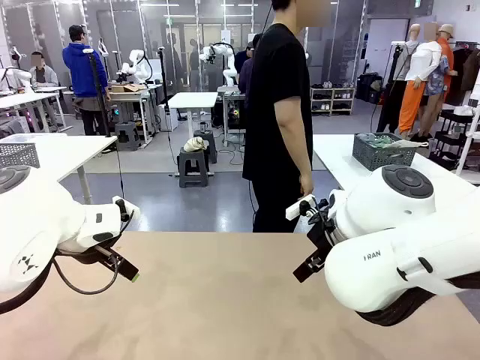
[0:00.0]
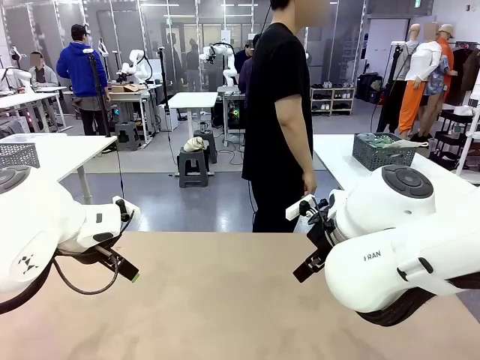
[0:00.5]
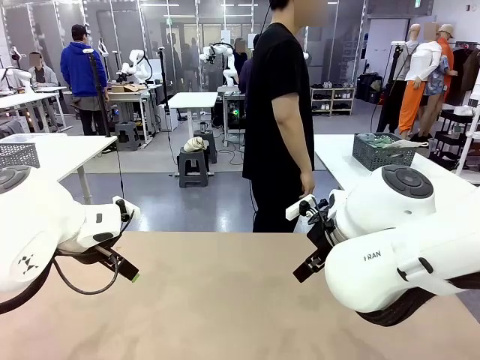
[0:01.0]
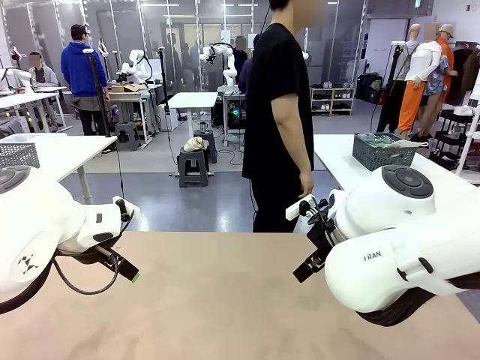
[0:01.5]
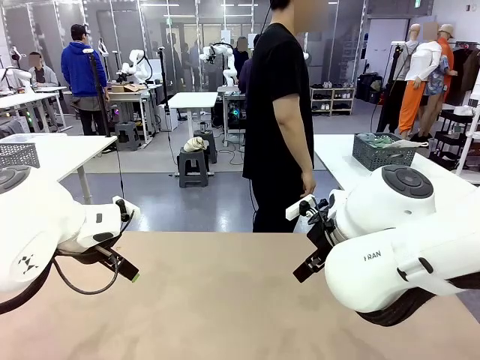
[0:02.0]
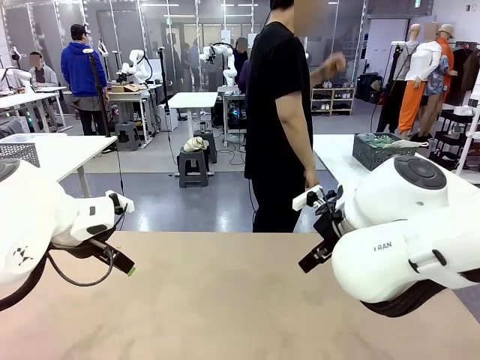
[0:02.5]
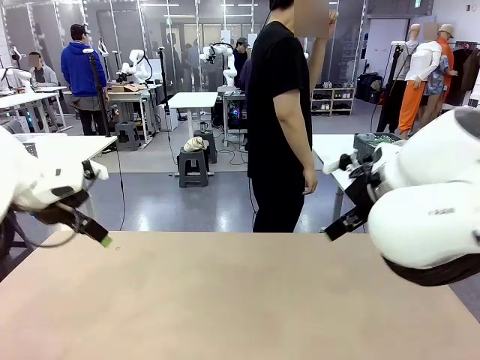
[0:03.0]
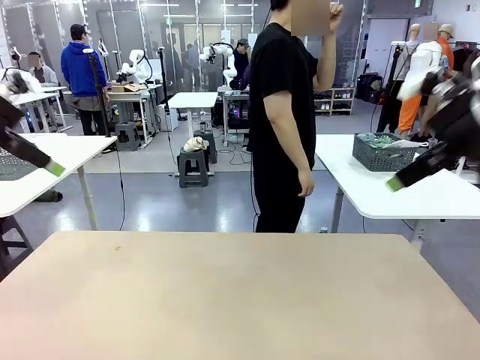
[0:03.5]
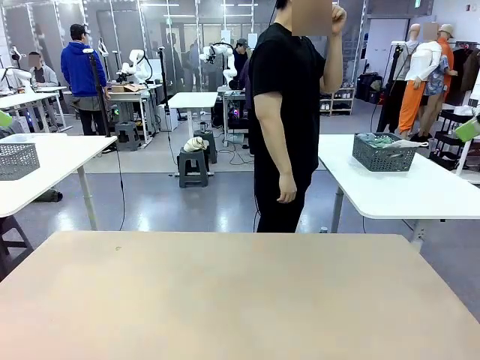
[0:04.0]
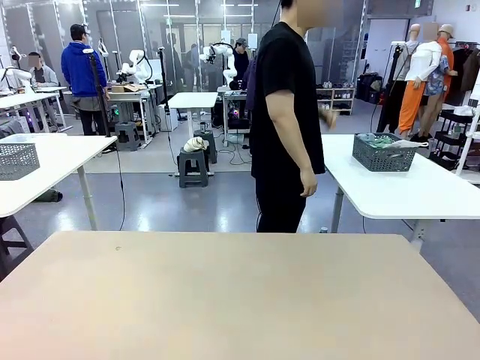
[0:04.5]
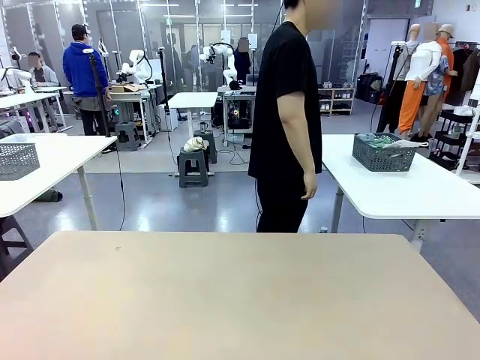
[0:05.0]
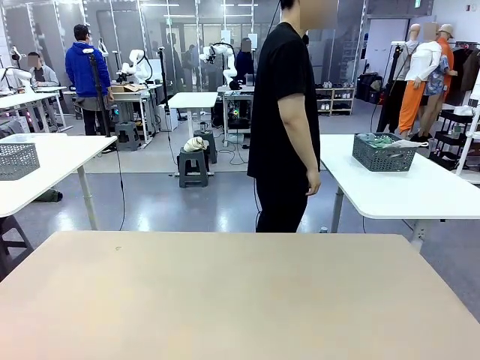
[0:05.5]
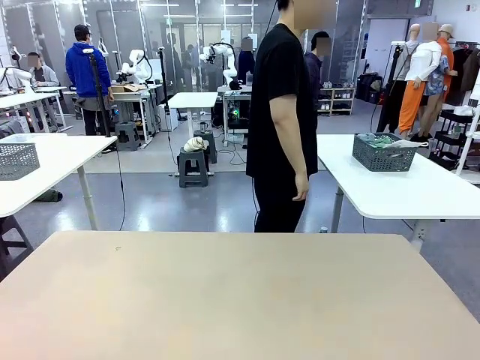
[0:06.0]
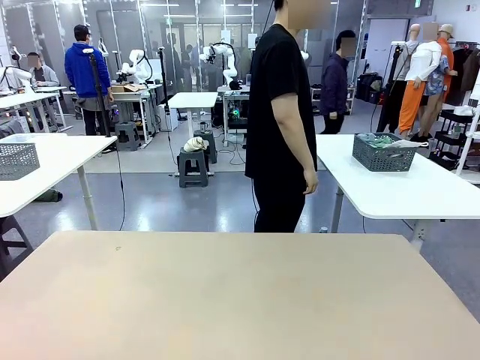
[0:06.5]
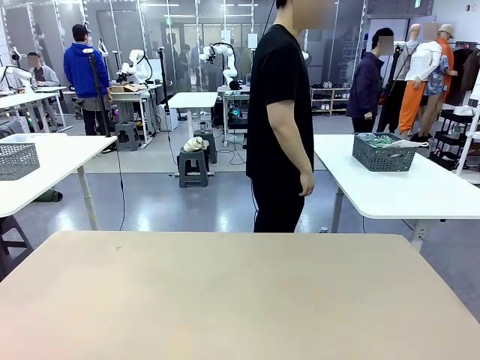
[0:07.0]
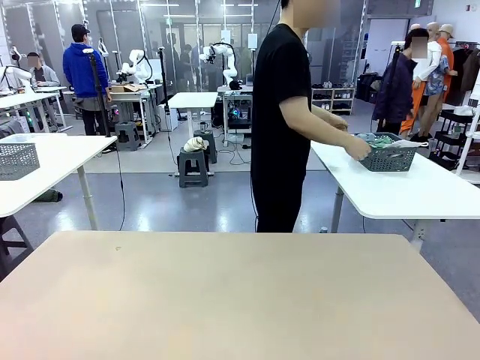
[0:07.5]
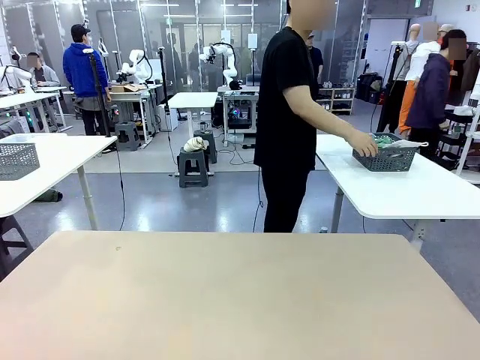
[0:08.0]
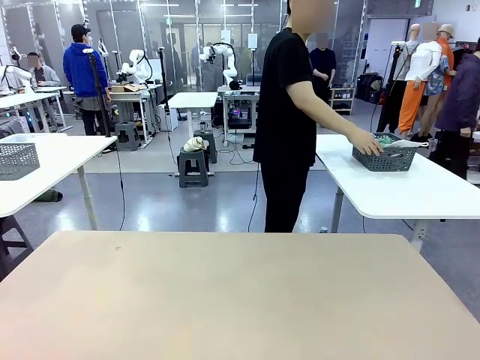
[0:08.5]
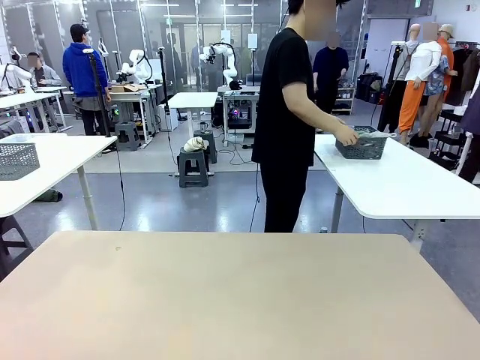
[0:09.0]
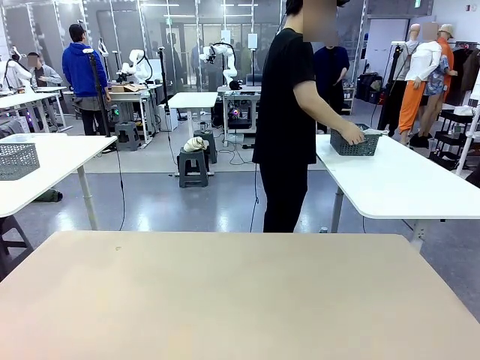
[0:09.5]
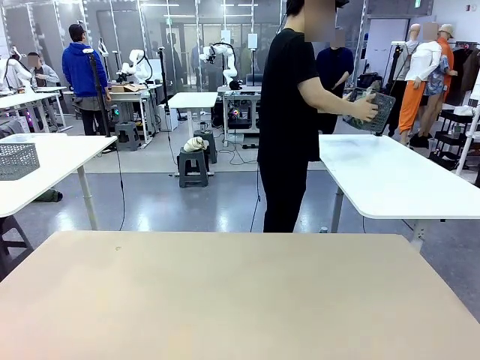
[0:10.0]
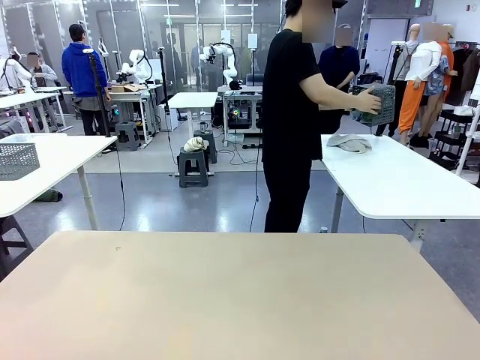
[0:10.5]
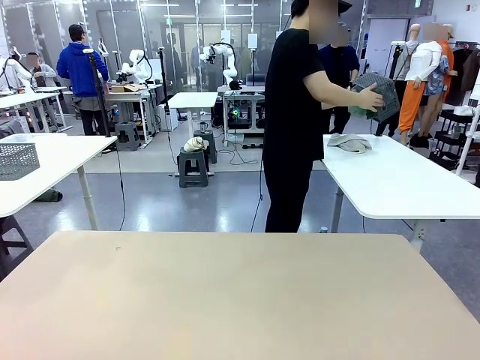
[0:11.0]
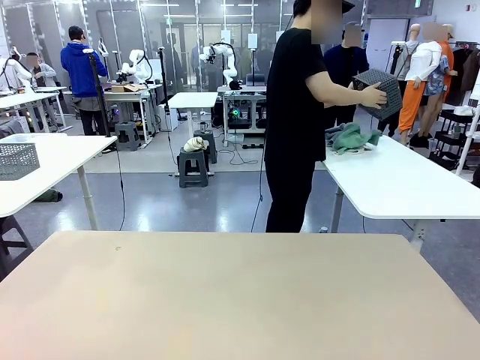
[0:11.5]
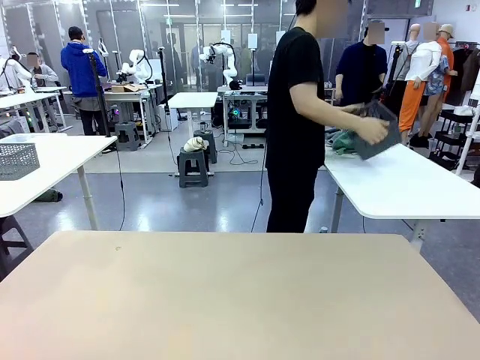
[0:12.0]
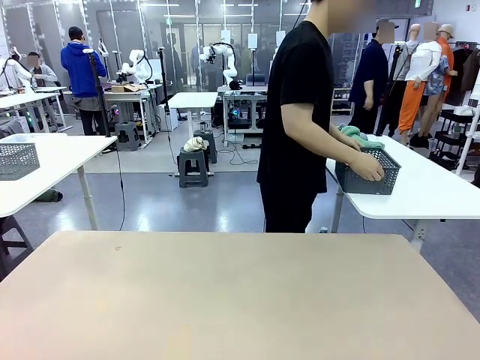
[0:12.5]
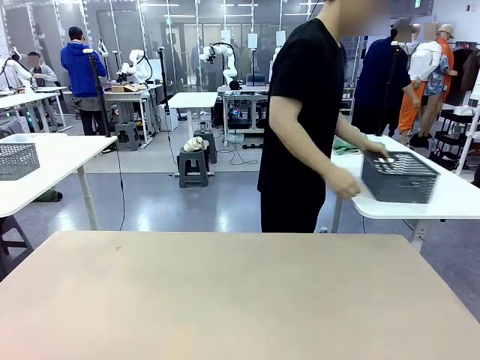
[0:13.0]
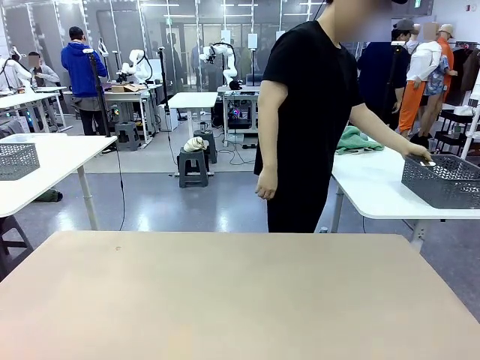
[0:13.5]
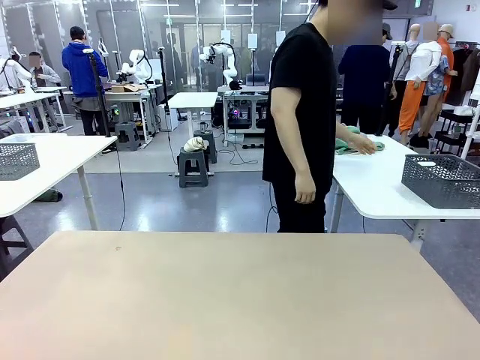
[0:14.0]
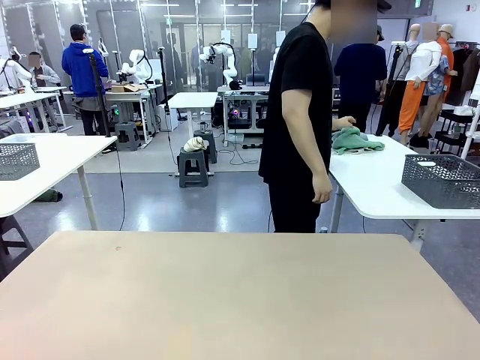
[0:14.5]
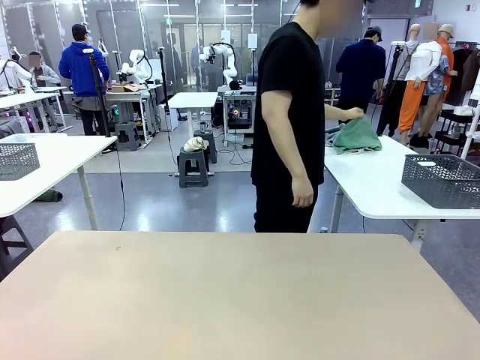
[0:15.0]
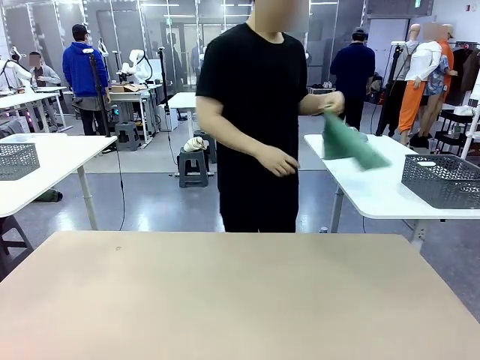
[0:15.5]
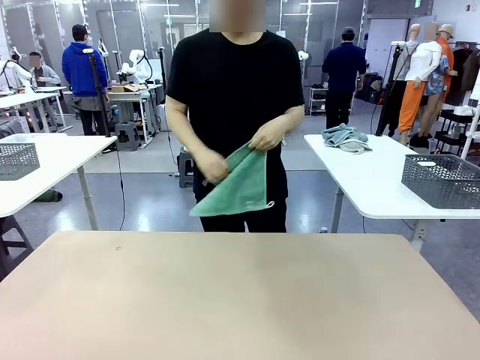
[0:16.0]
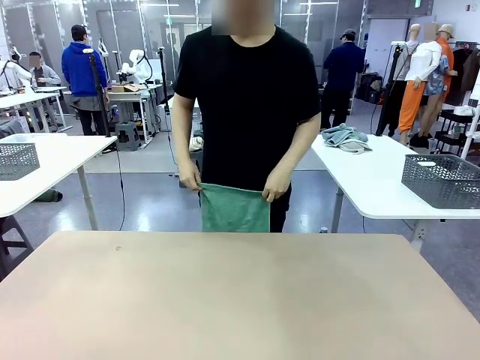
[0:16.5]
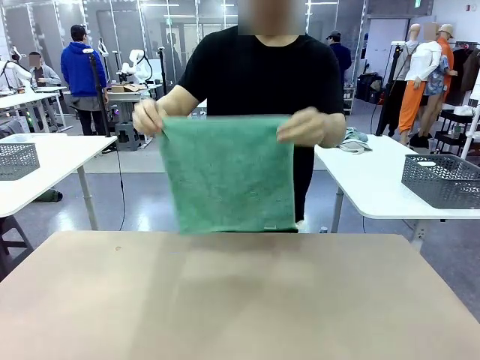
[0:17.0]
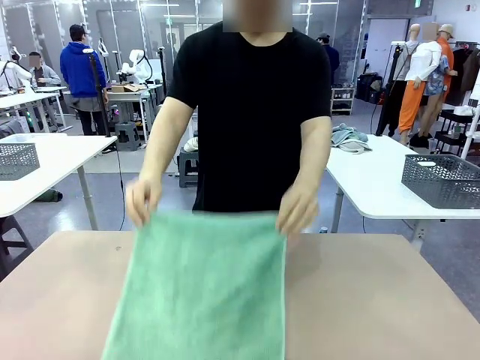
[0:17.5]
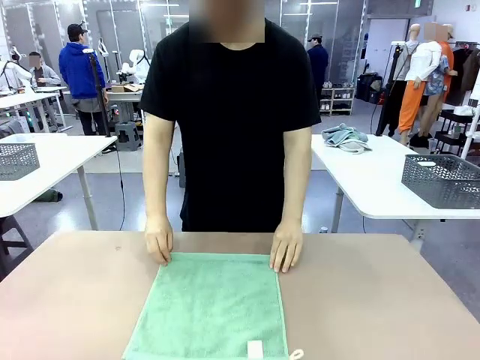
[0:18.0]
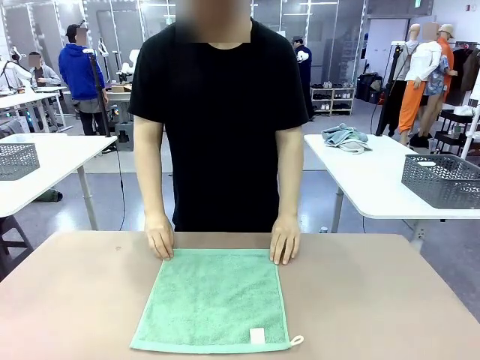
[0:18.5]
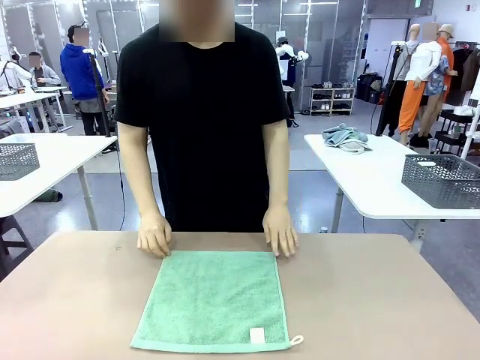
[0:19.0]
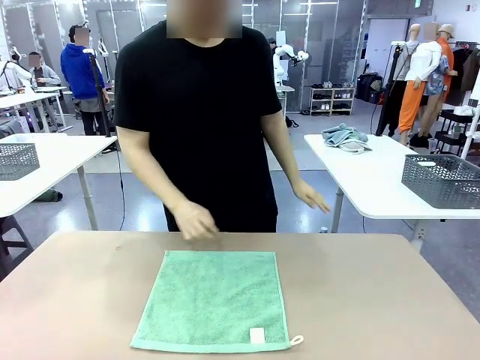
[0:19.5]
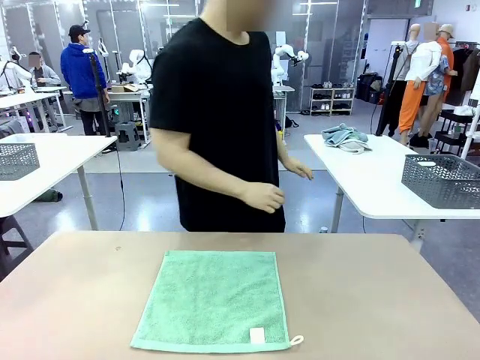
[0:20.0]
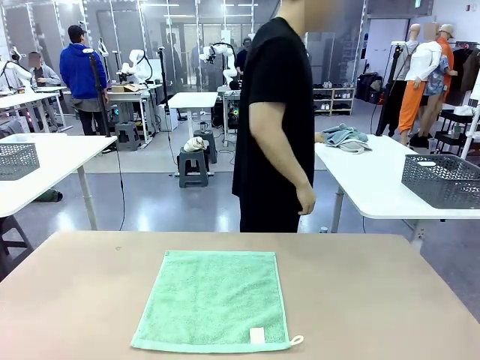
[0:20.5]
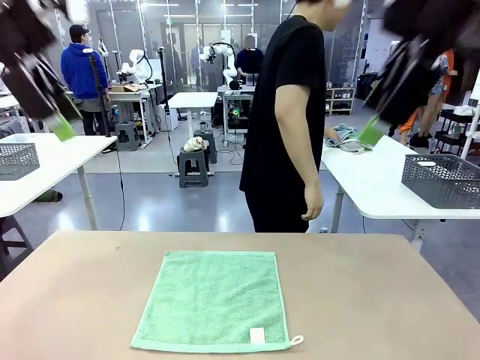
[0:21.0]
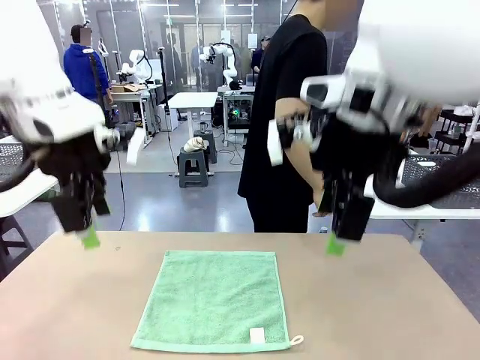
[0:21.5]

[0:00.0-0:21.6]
Task: Fold the towels and place them in the basket.
Robot: When a person lays out a Towel with hook on the table, fold it in half twice.
Person: Pick up the basket, pour the towels onto the left side of the human table, and place the basket on the right side. Pick up one towel and spread it out at the center of the robot table.
